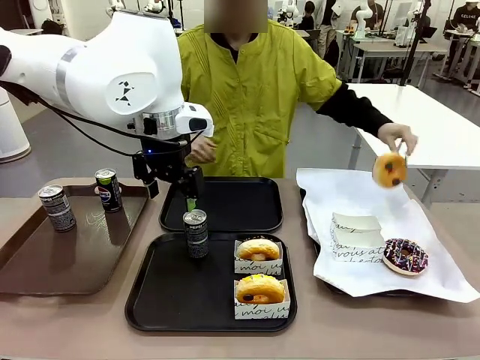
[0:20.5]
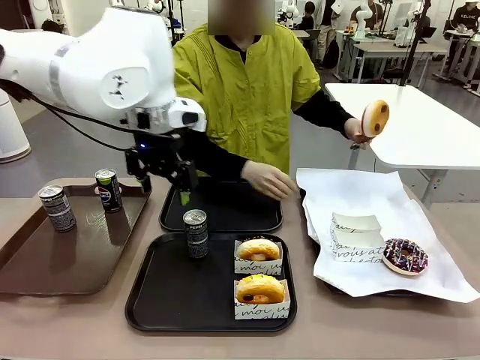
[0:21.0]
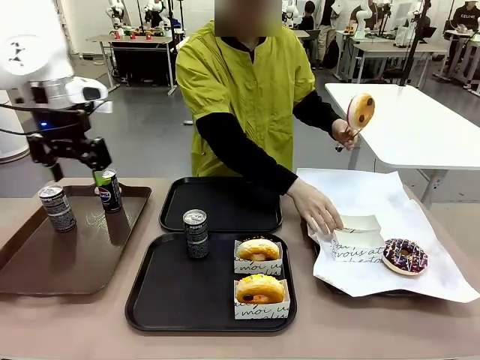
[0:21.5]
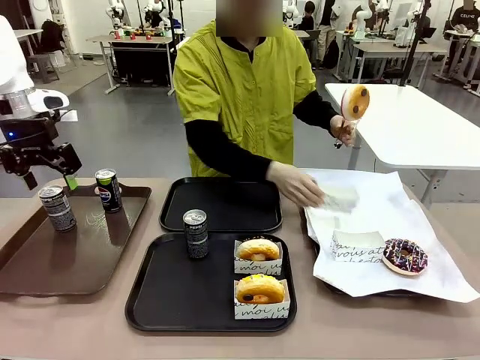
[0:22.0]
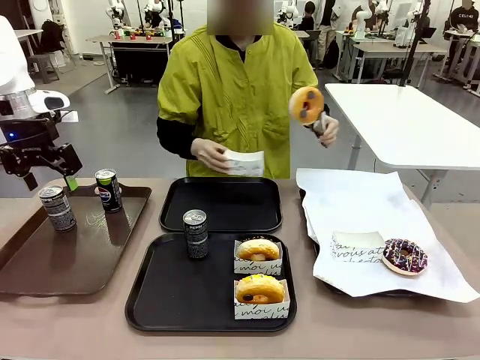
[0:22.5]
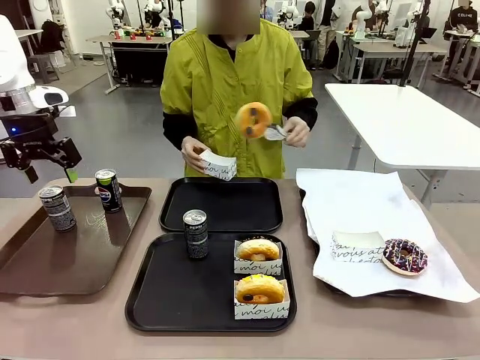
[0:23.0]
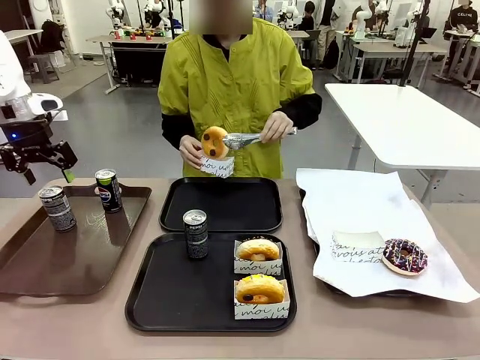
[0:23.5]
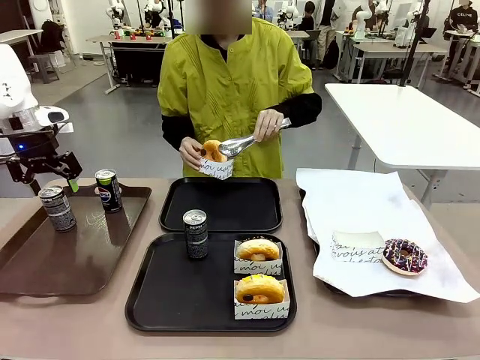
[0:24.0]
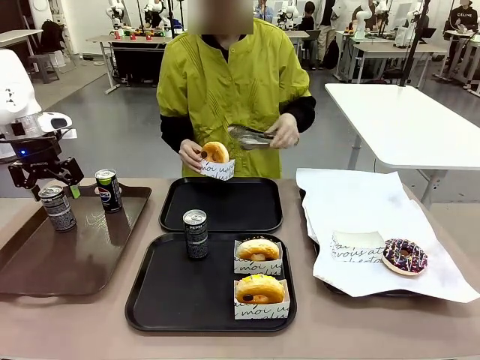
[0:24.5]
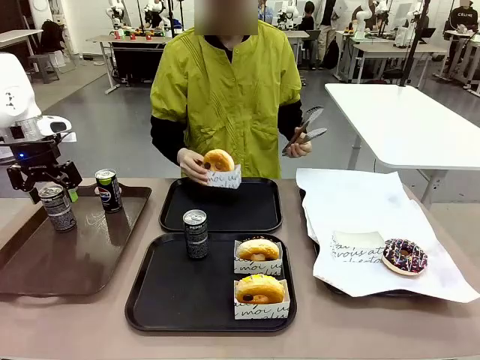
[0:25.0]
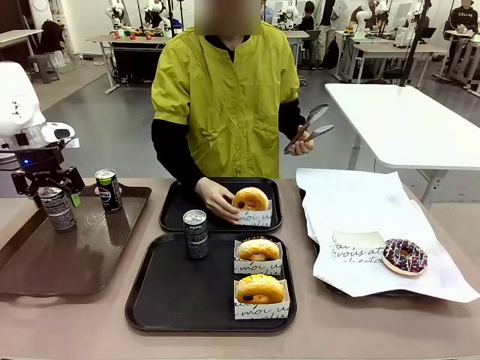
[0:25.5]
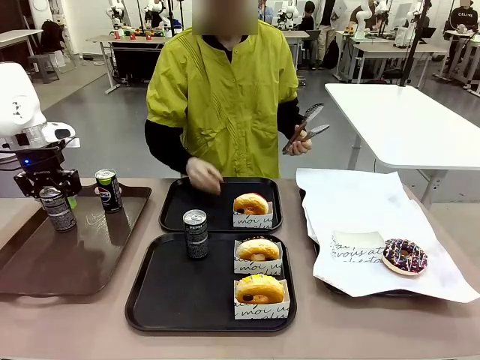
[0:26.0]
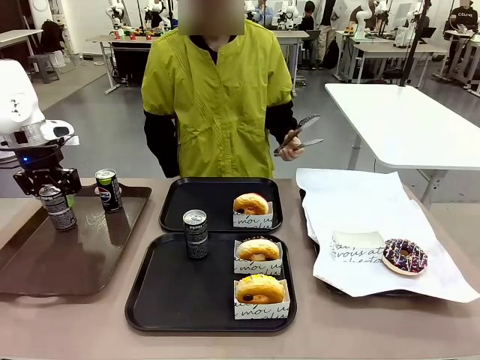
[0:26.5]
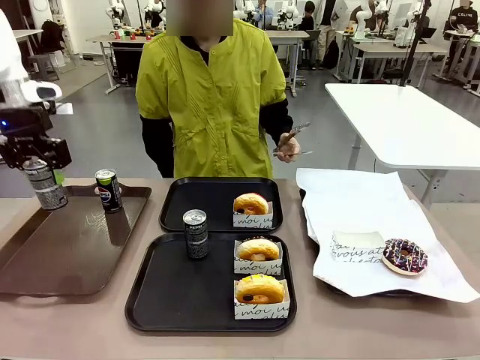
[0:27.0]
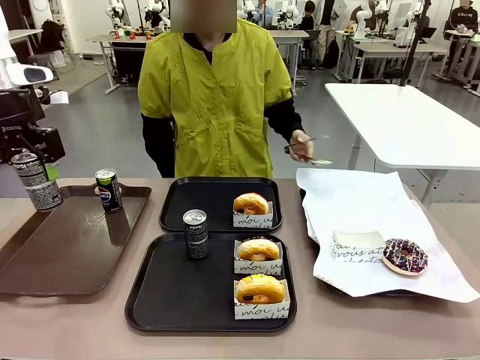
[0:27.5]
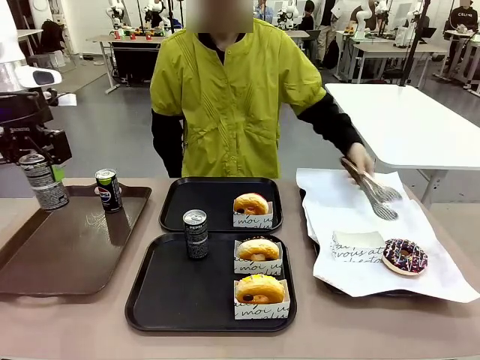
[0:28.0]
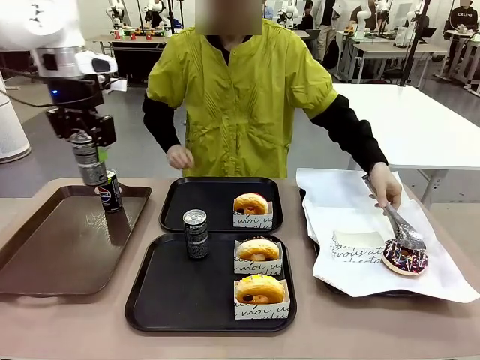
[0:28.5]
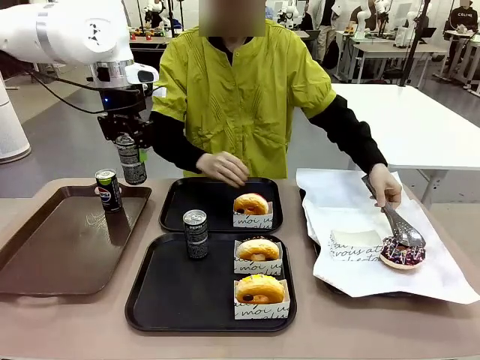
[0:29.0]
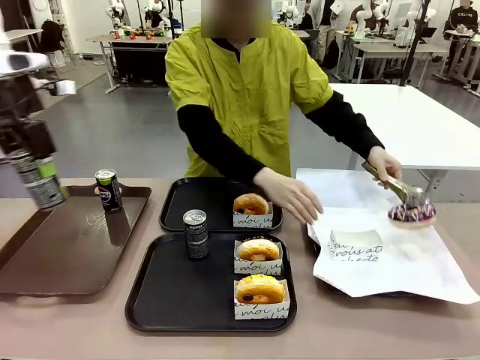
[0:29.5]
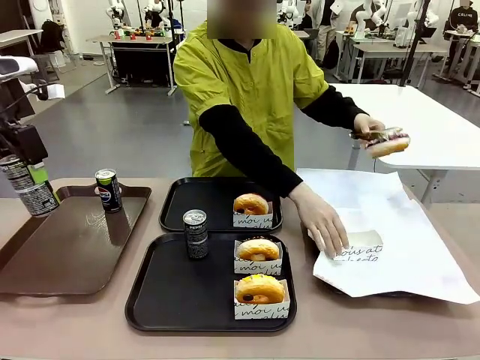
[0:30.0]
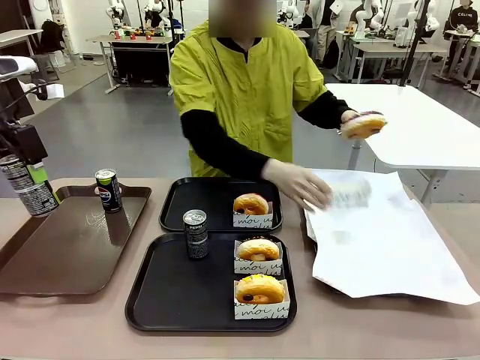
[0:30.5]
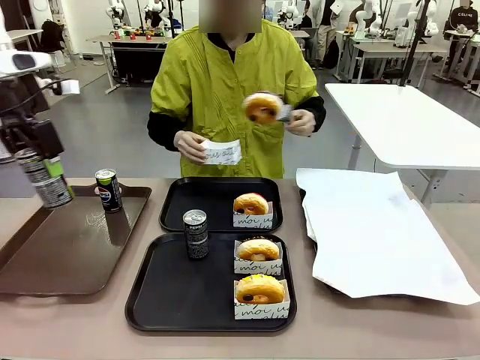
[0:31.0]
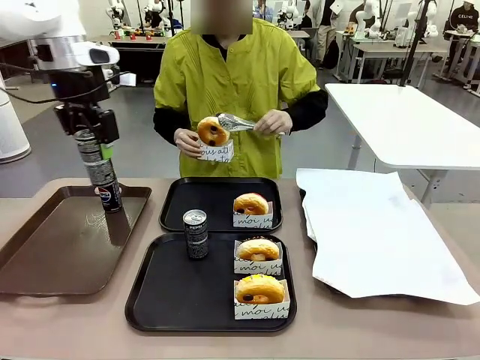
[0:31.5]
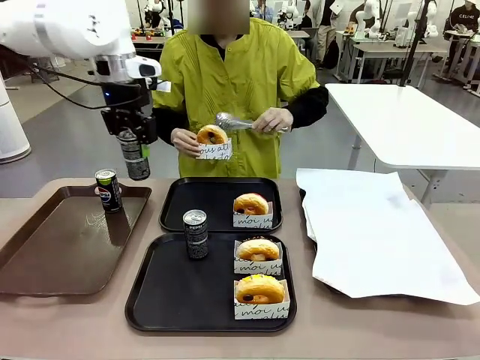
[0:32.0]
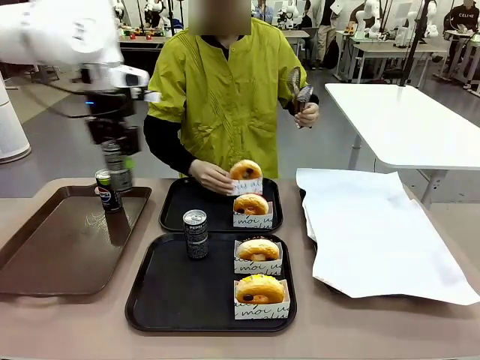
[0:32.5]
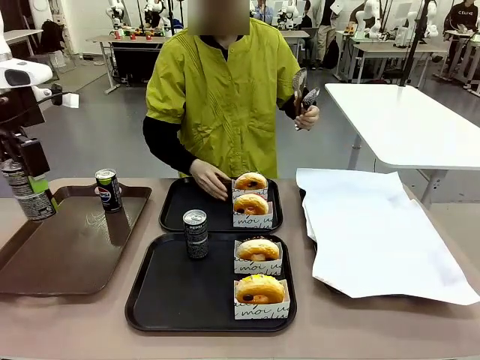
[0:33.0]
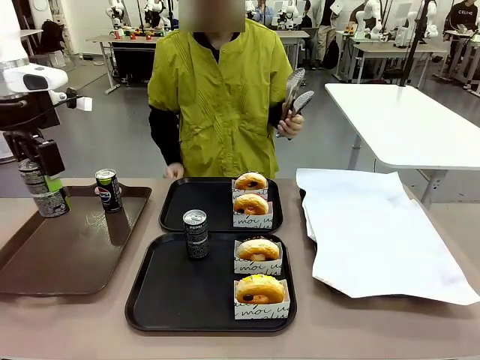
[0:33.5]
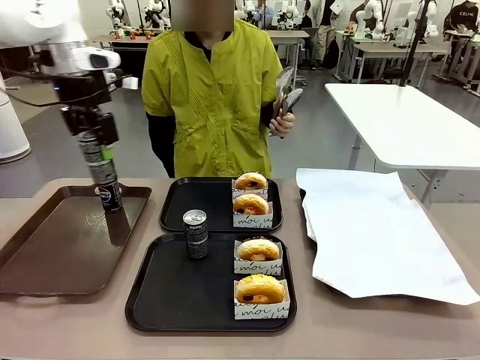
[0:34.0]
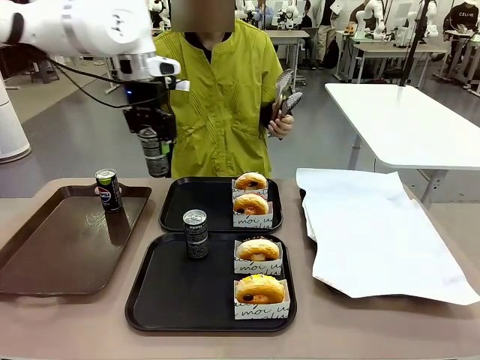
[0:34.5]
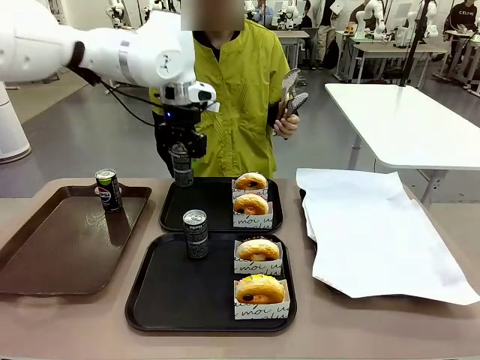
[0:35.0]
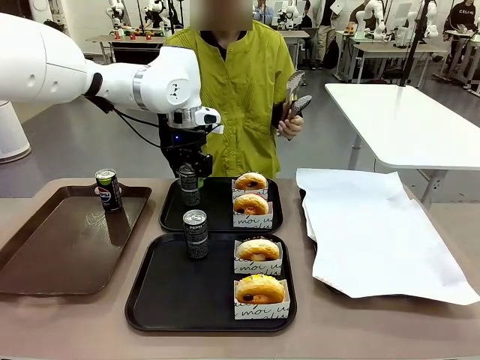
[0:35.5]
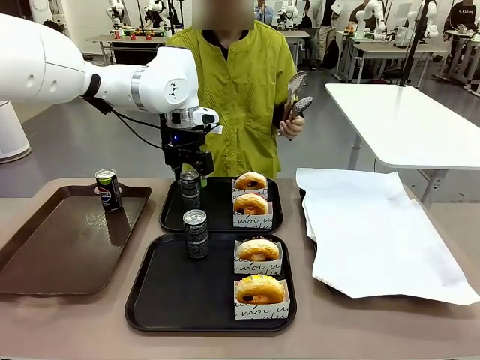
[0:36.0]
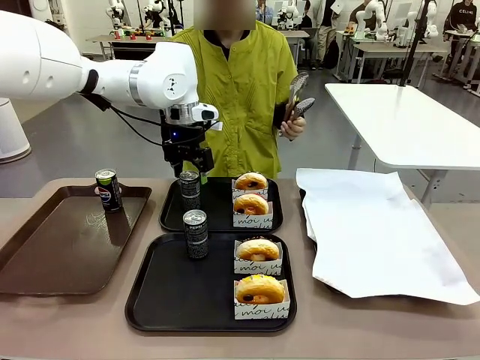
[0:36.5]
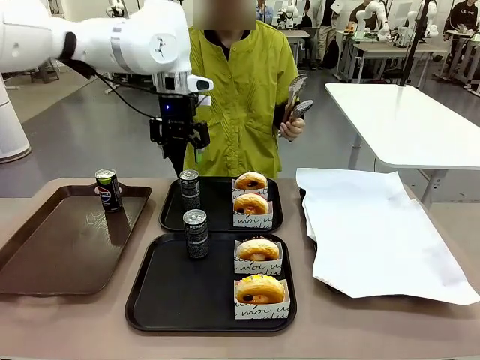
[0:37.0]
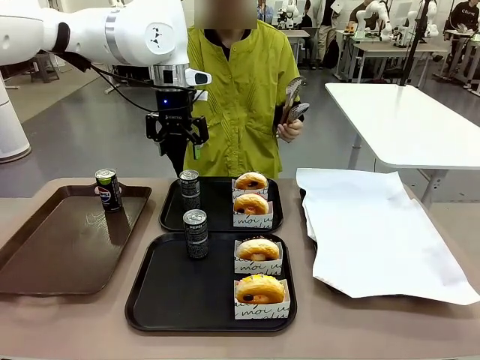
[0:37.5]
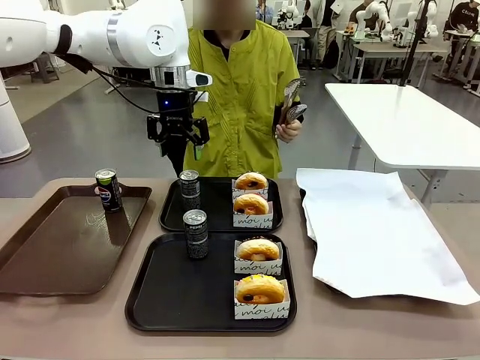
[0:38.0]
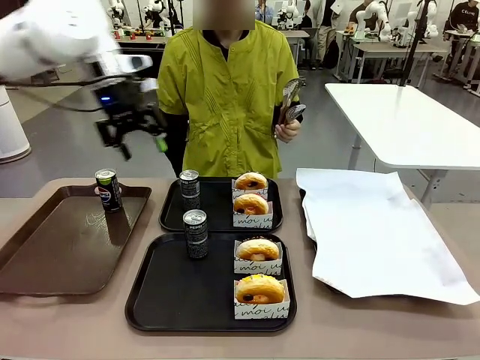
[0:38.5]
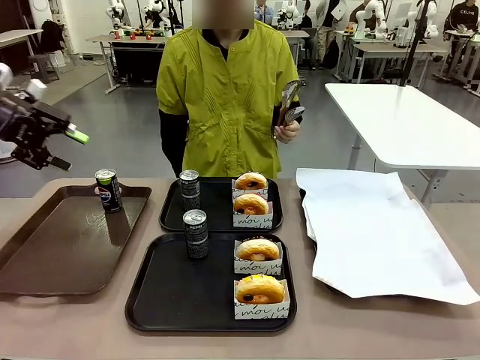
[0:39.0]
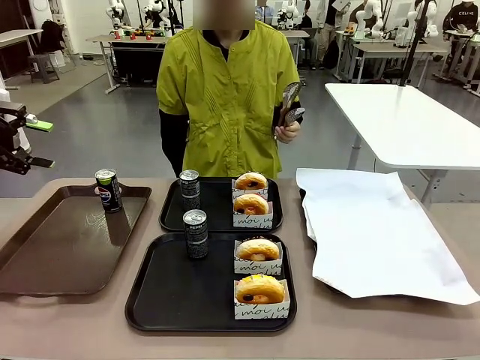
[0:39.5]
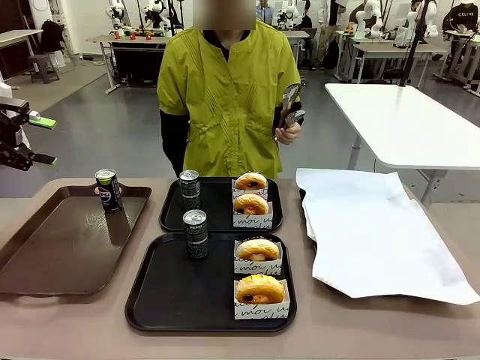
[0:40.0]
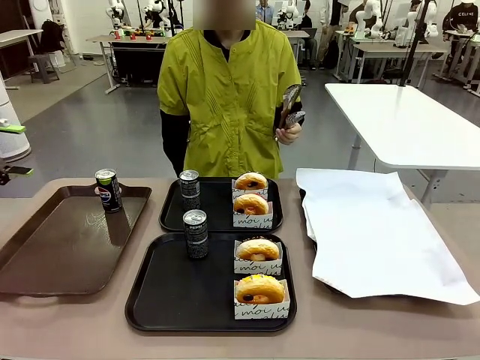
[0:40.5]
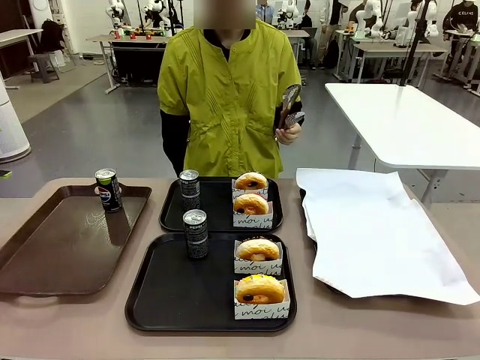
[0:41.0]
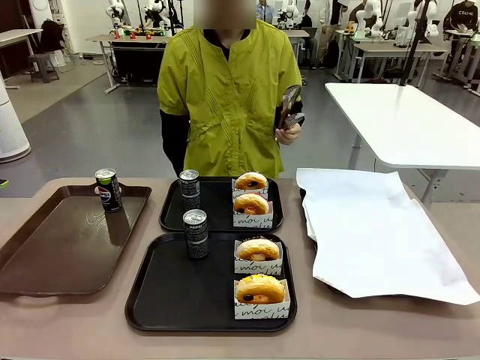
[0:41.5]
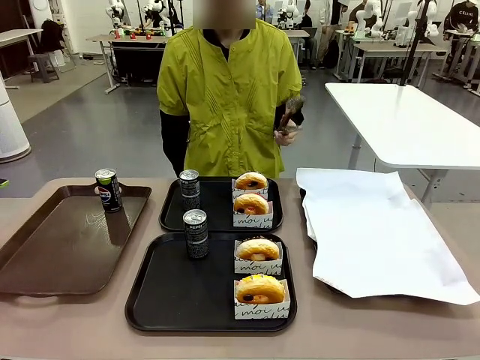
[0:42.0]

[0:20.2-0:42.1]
Task: Set up donuts and drinks on trays.
Robot: Pick up one Pepsi coke from the Handle tray and place it on the Flat Tray without a Pepsi coke.
Person: Pick up one donut with tongs, place it in the donut tray, and then place the donut tray on the flat tray.
